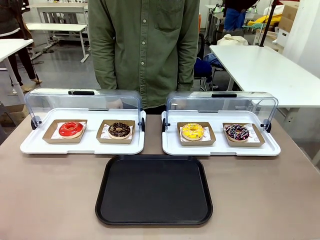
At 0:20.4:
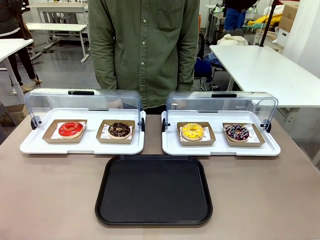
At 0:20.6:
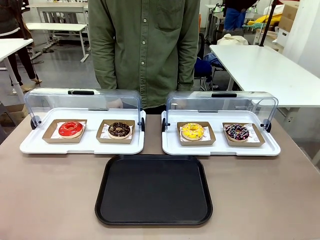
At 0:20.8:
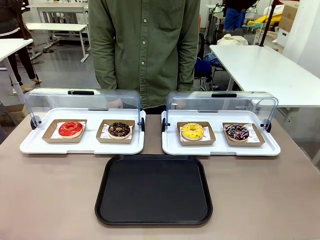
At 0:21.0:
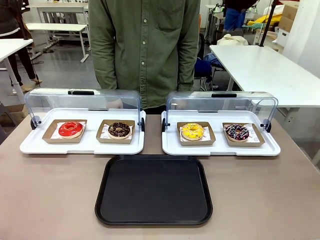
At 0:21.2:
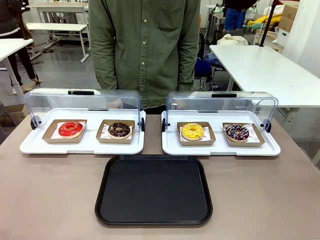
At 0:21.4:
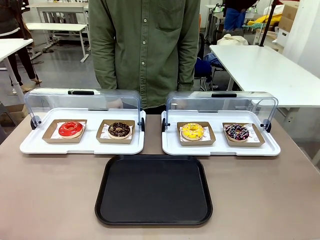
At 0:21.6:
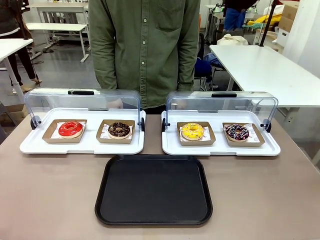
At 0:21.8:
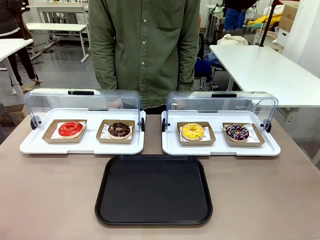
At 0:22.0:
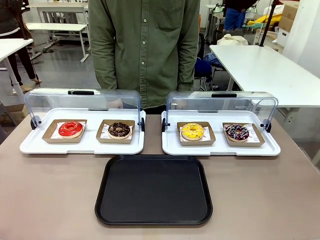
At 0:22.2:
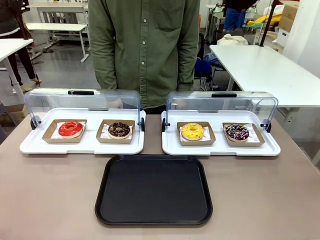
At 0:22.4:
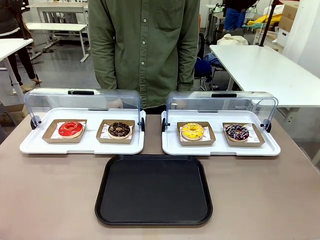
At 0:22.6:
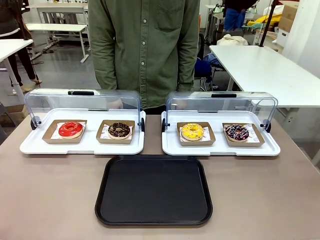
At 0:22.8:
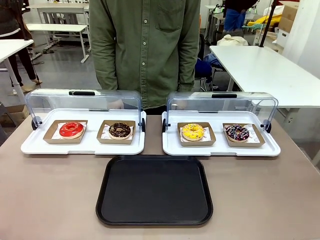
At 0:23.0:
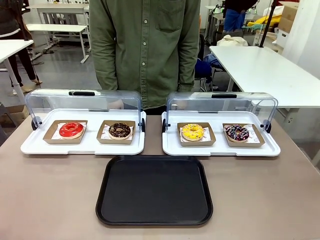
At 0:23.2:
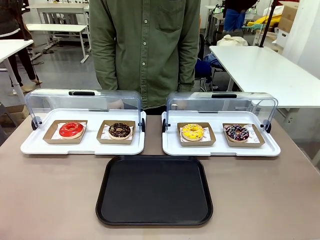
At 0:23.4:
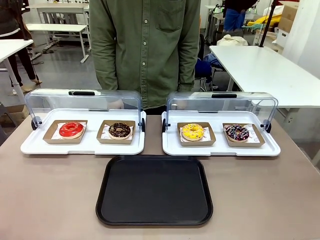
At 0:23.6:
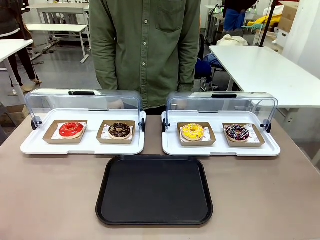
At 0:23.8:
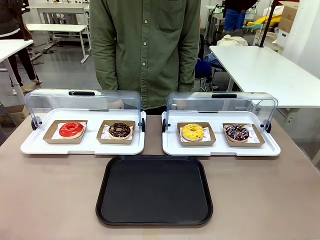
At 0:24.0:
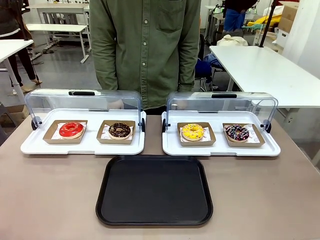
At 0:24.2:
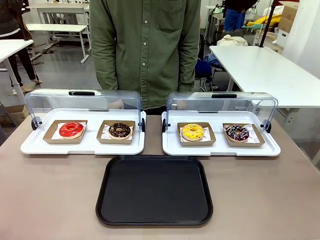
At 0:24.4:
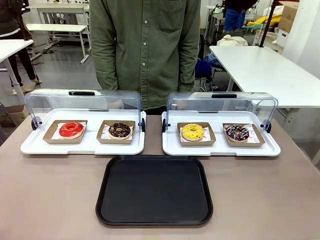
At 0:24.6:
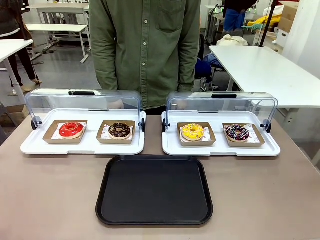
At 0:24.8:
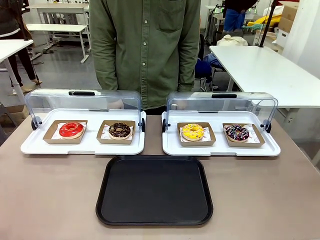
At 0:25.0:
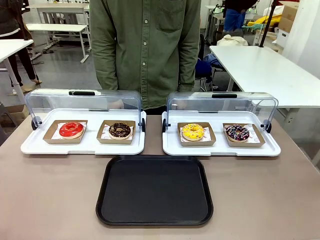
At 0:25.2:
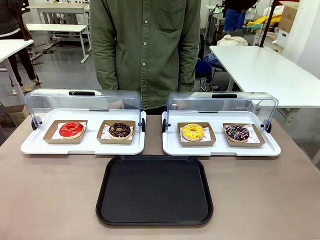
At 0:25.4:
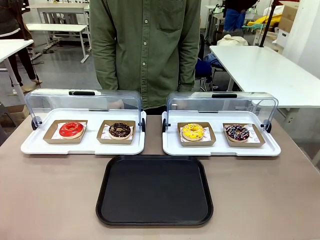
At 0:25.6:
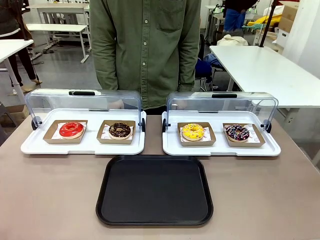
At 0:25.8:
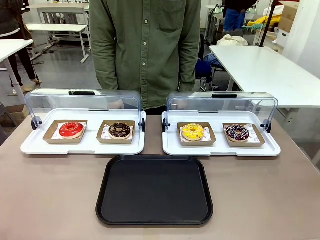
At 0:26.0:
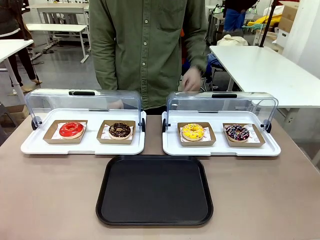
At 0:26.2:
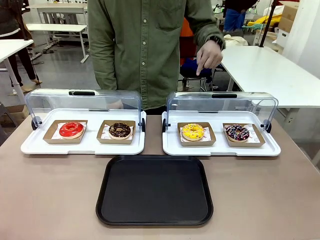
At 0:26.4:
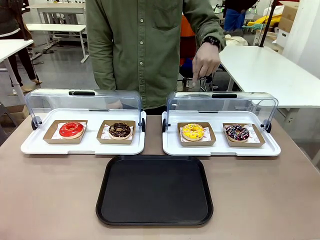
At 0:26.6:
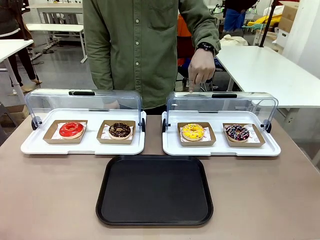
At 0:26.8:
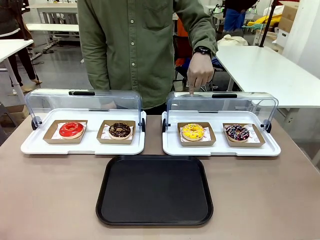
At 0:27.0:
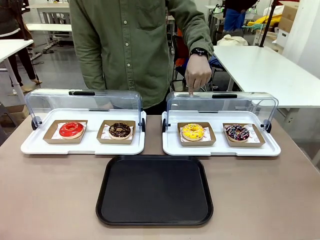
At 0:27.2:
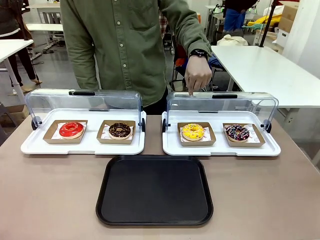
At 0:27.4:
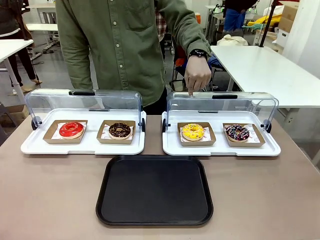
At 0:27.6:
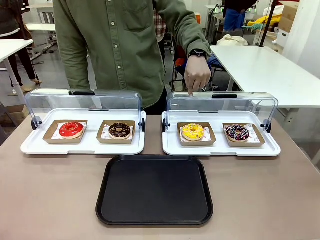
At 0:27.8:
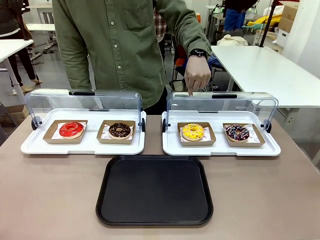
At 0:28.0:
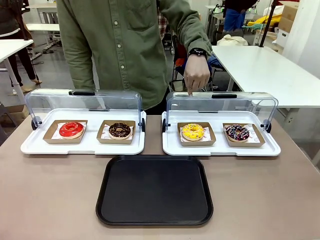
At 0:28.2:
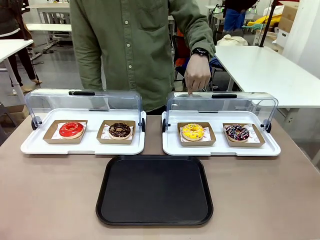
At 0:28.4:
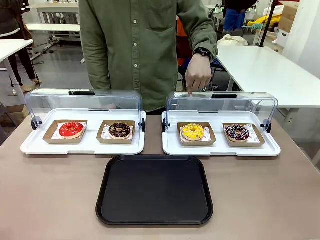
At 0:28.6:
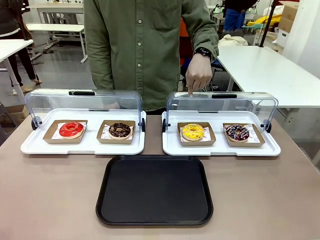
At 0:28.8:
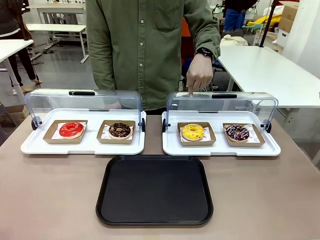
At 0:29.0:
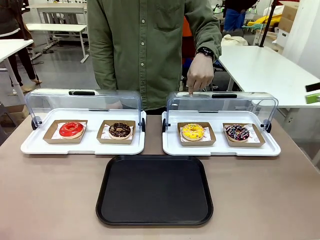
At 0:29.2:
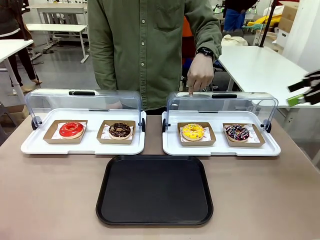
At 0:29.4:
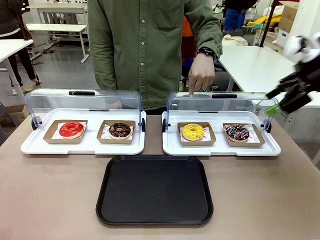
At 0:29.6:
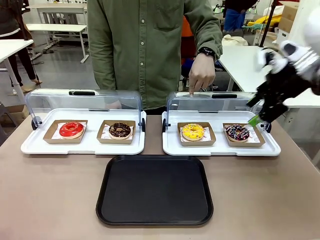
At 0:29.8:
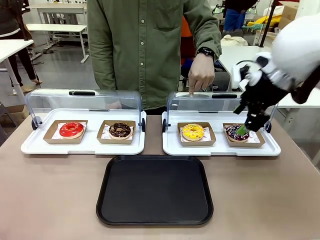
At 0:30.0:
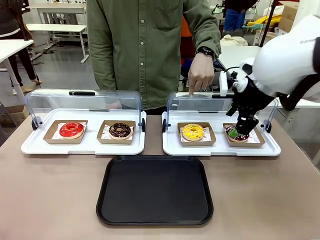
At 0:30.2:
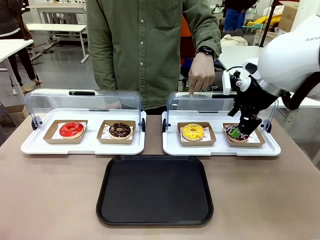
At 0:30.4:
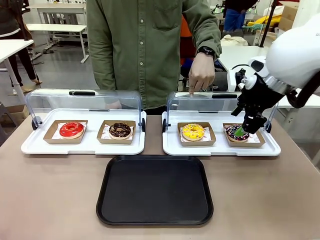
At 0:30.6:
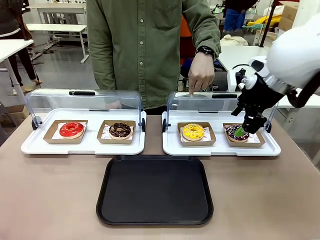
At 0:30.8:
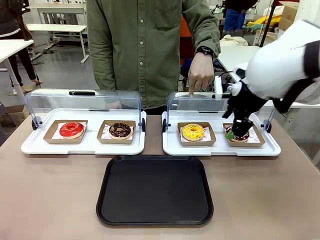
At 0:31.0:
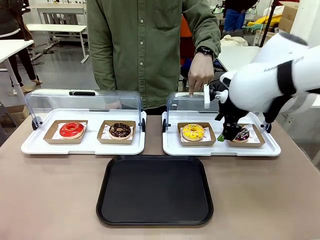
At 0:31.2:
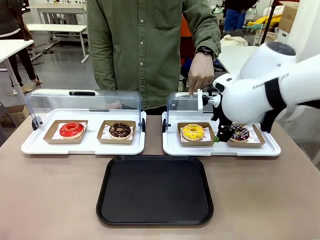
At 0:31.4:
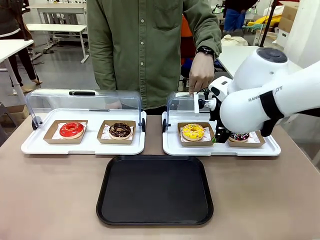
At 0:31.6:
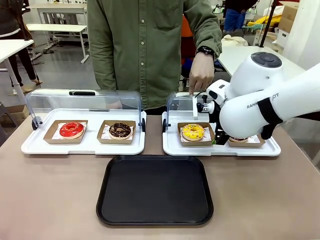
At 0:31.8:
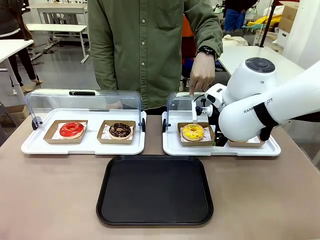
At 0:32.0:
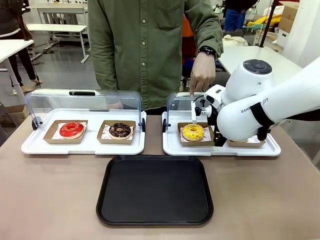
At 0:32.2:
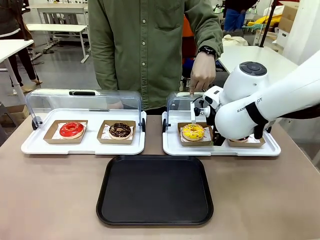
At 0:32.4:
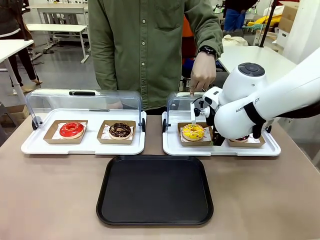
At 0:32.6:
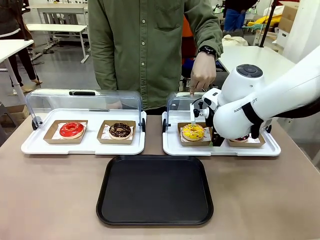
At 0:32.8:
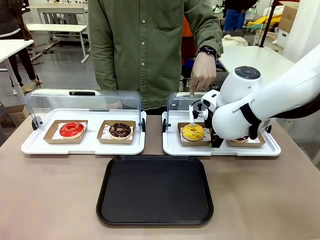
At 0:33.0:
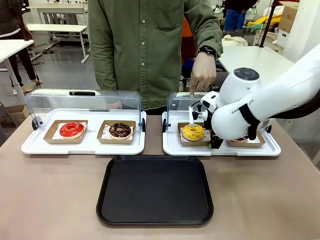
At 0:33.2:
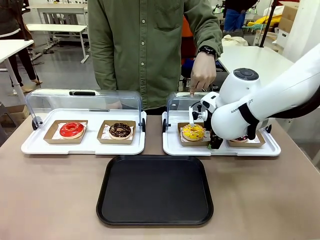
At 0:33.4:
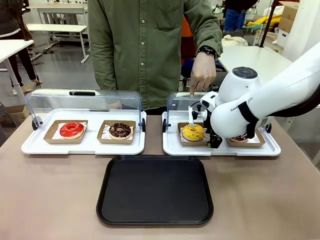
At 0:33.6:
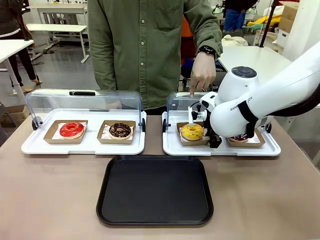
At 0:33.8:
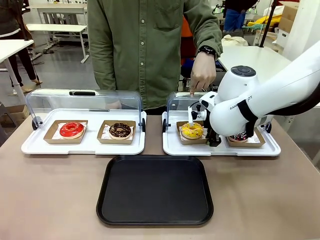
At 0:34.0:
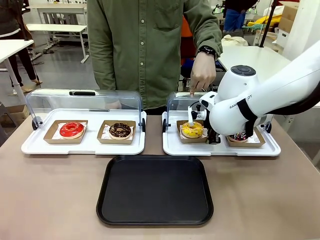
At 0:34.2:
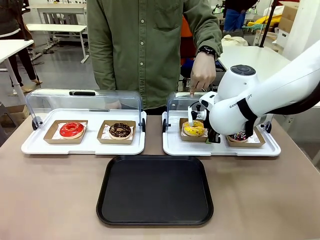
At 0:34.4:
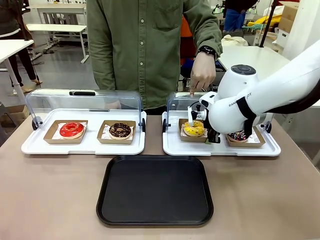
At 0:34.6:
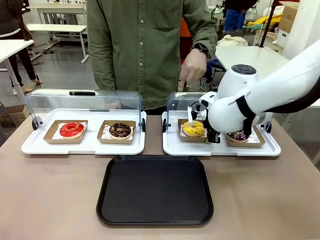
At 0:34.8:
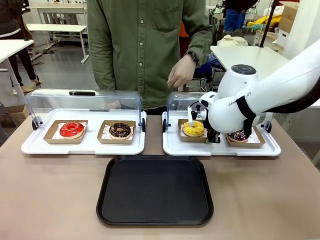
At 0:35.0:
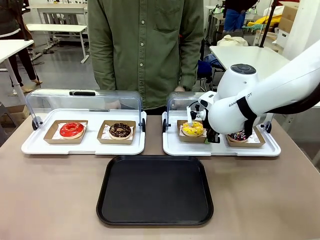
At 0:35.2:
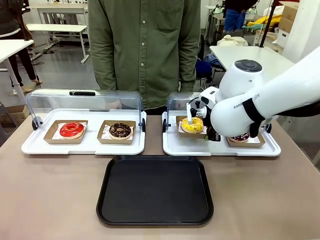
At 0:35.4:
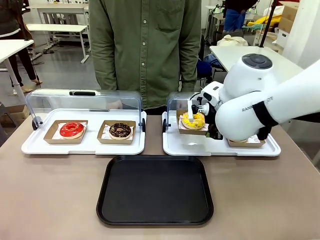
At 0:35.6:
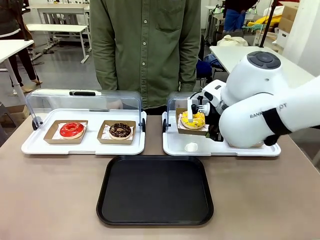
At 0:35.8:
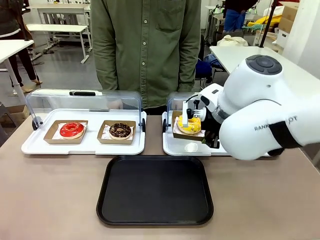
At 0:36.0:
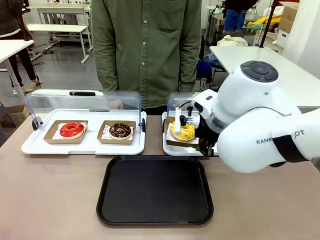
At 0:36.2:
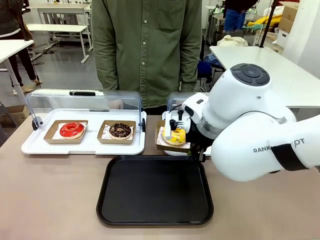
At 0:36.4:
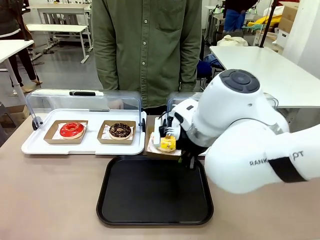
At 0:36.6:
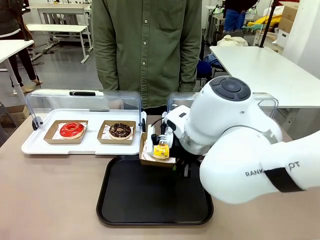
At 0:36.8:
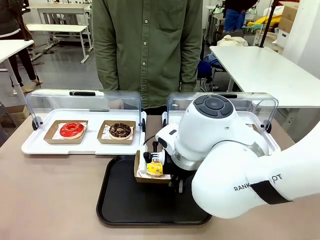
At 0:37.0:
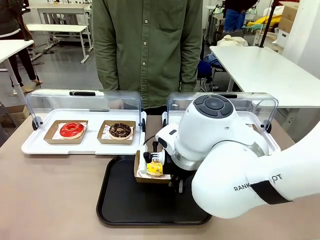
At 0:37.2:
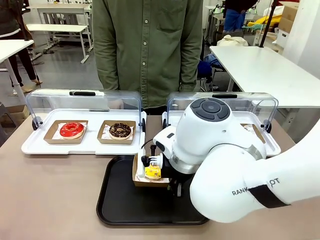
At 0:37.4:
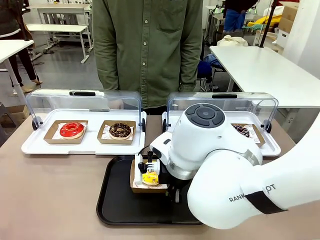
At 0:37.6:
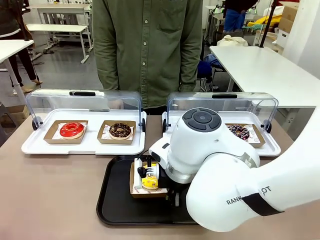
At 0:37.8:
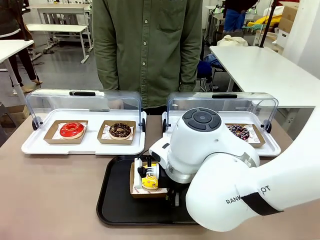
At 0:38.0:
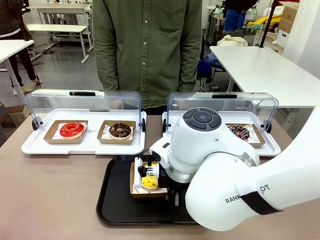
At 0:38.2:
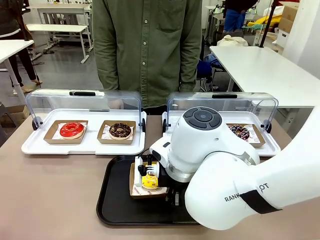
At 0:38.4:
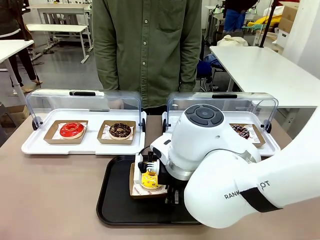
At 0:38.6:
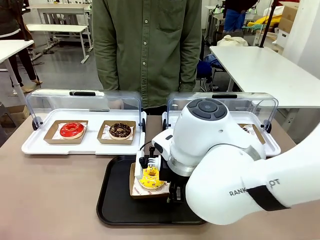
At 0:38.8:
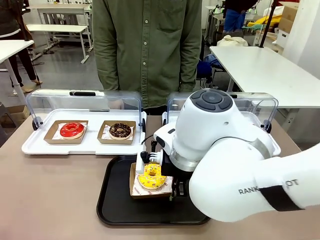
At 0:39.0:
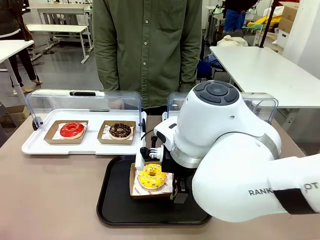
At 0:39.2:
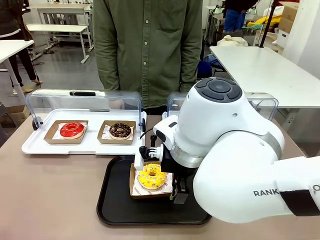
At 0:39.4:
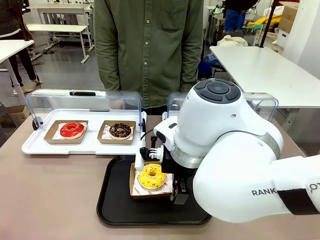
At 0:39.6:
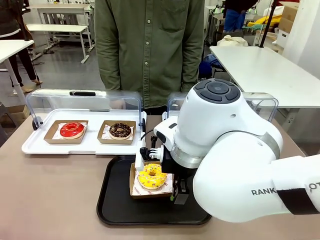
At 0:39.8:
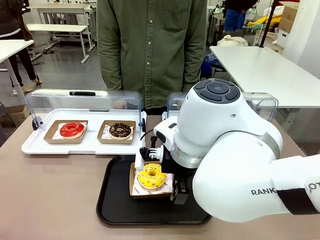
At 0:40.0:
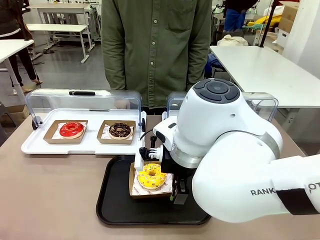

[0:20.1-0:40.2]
Task: Move the third donut from the left to the tray.
Robot: Pick up the Paper togo box containing the Donut indicated by the person and place it on the Handle tray.
